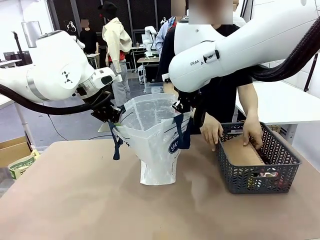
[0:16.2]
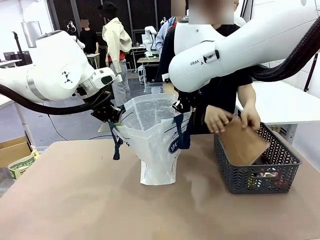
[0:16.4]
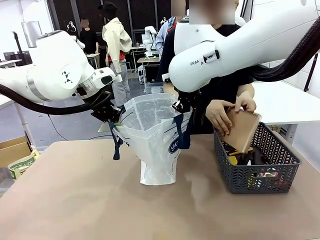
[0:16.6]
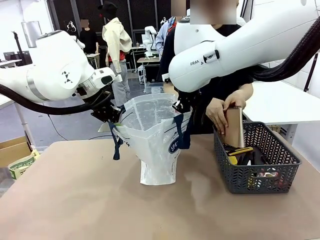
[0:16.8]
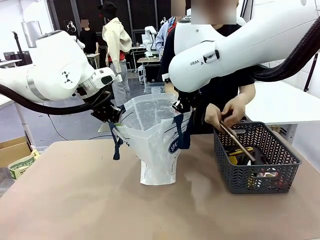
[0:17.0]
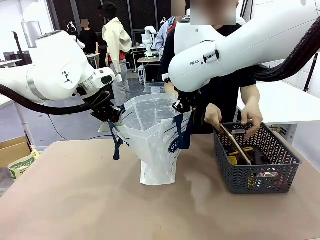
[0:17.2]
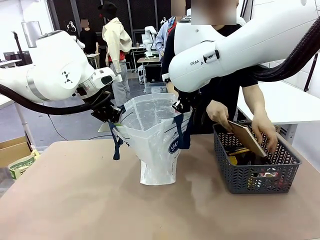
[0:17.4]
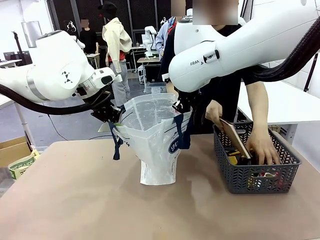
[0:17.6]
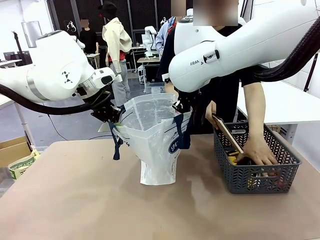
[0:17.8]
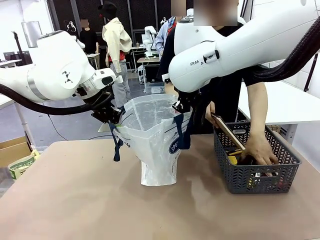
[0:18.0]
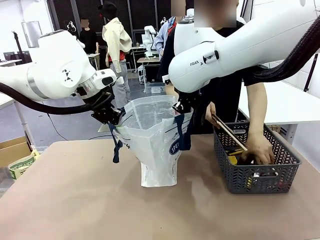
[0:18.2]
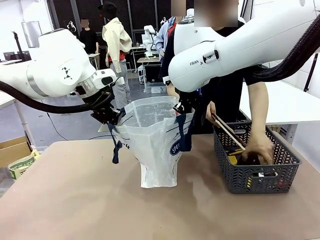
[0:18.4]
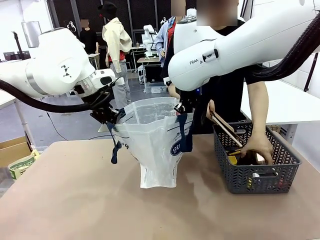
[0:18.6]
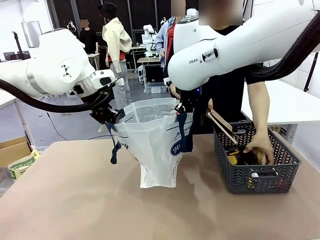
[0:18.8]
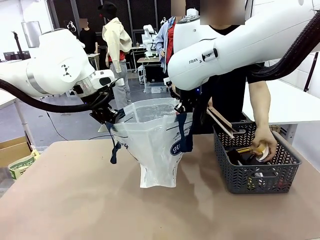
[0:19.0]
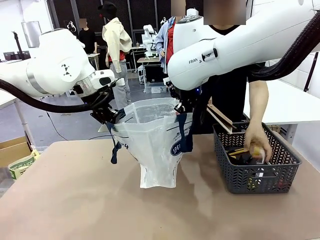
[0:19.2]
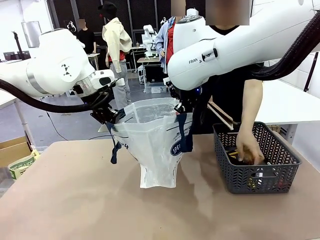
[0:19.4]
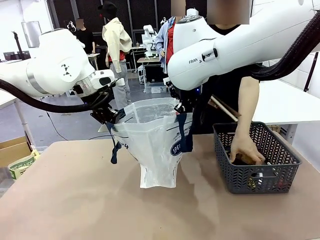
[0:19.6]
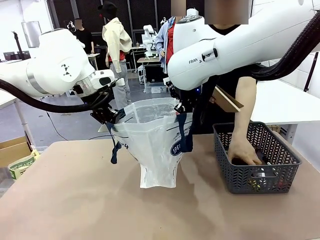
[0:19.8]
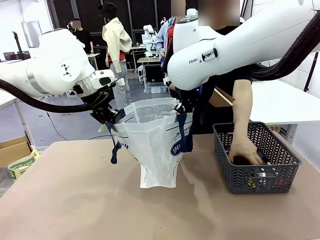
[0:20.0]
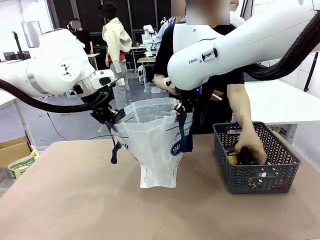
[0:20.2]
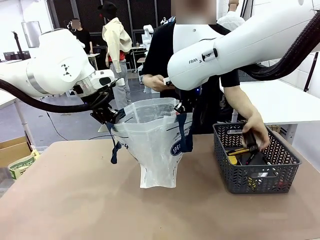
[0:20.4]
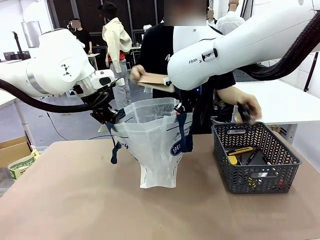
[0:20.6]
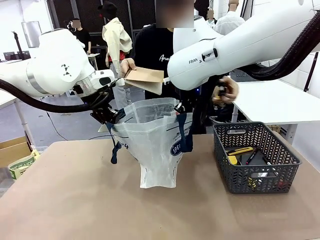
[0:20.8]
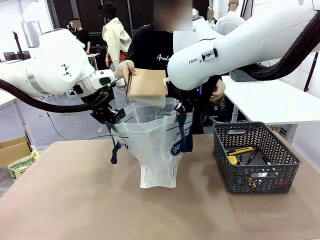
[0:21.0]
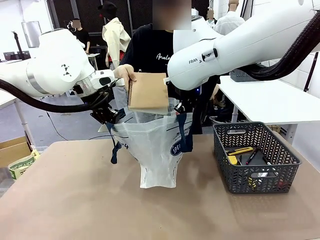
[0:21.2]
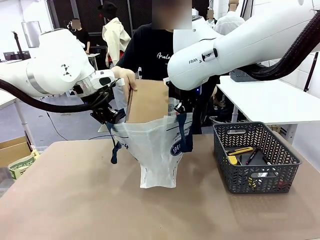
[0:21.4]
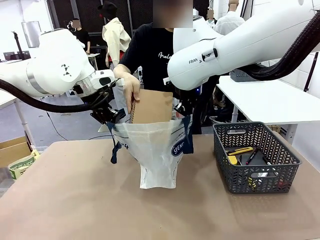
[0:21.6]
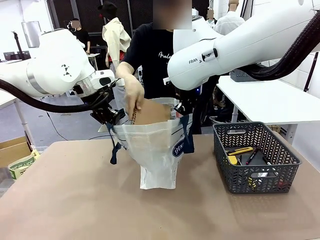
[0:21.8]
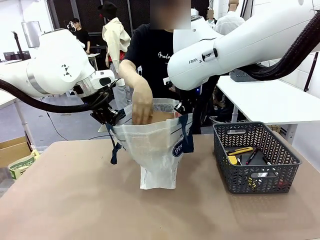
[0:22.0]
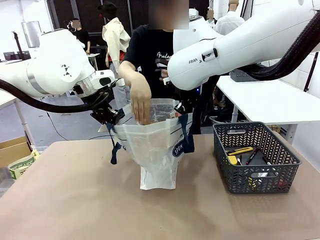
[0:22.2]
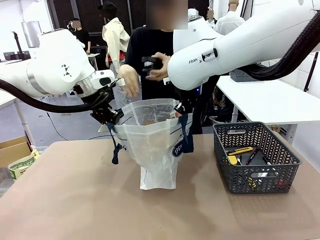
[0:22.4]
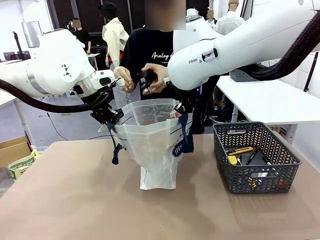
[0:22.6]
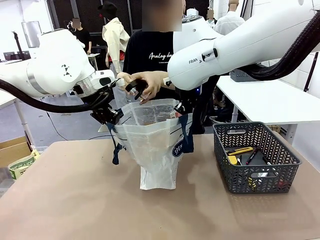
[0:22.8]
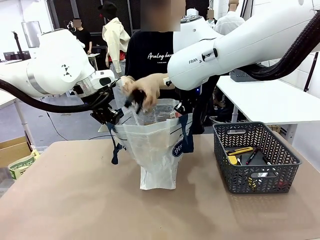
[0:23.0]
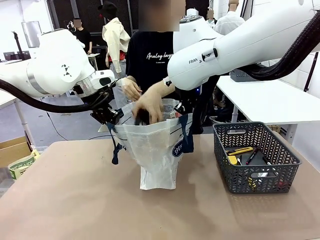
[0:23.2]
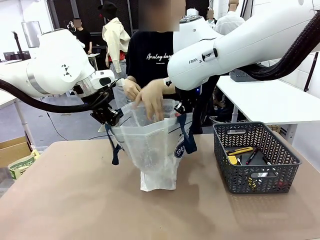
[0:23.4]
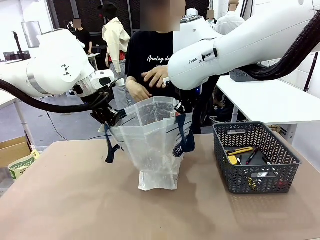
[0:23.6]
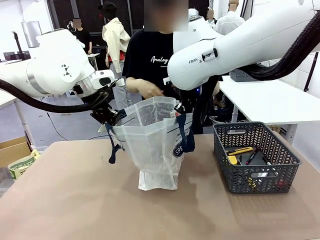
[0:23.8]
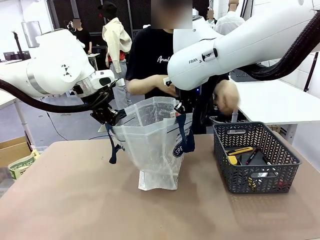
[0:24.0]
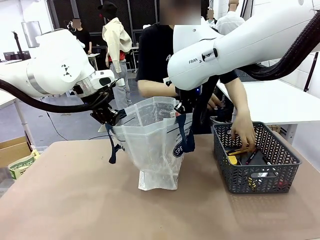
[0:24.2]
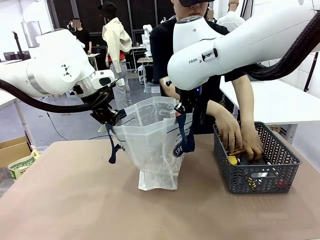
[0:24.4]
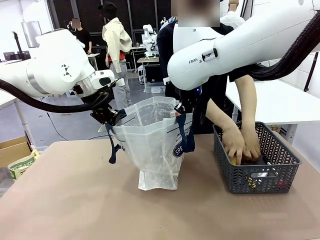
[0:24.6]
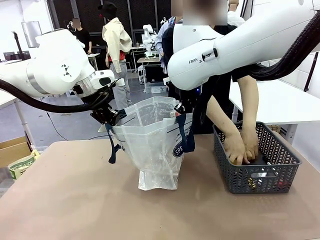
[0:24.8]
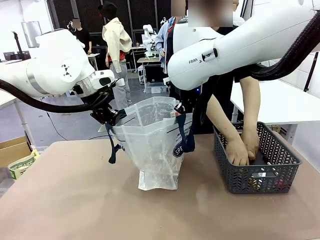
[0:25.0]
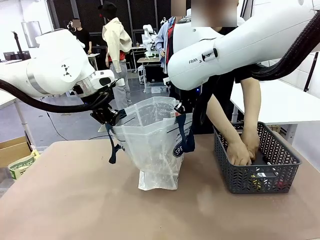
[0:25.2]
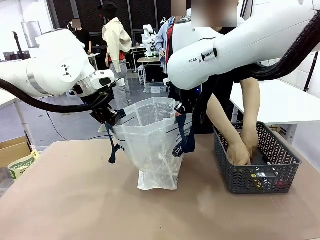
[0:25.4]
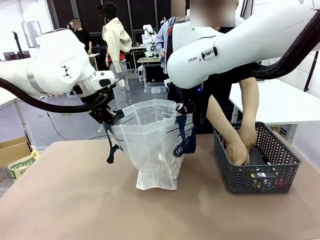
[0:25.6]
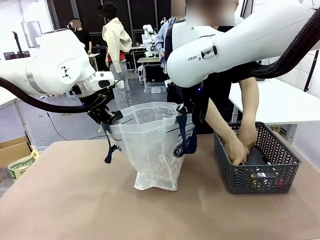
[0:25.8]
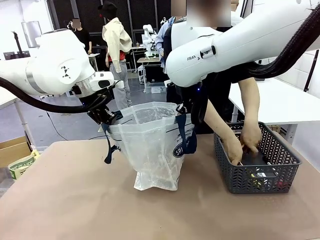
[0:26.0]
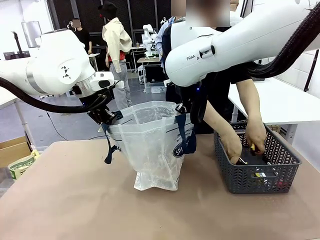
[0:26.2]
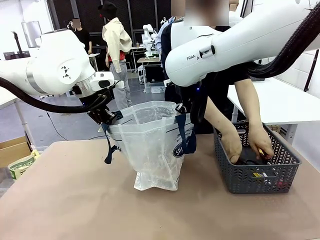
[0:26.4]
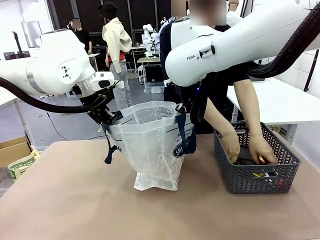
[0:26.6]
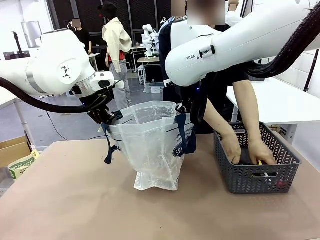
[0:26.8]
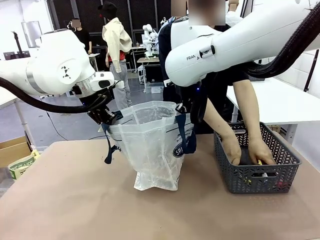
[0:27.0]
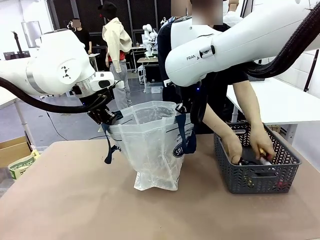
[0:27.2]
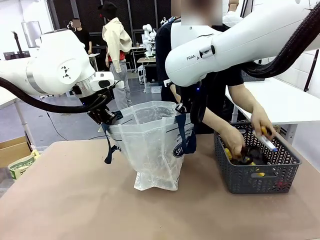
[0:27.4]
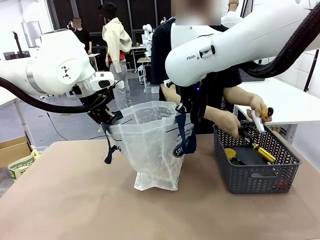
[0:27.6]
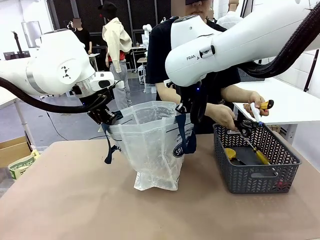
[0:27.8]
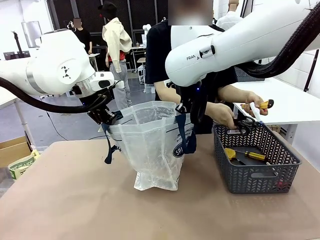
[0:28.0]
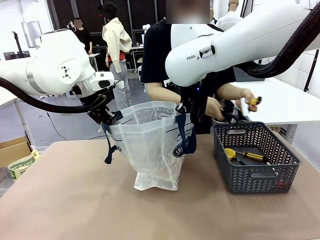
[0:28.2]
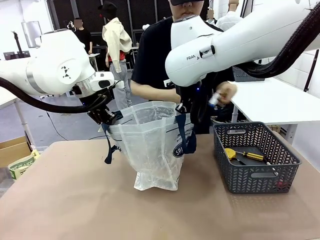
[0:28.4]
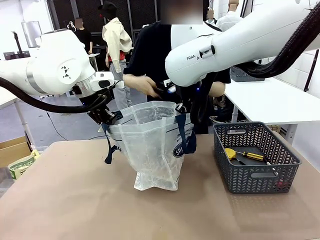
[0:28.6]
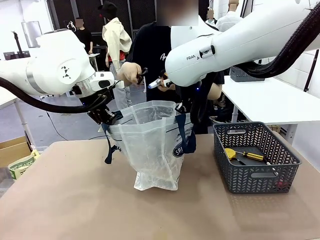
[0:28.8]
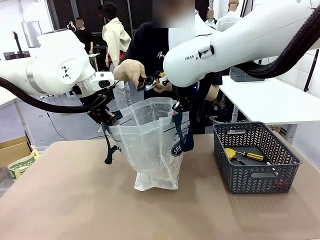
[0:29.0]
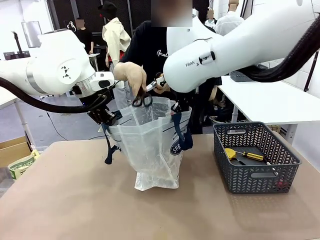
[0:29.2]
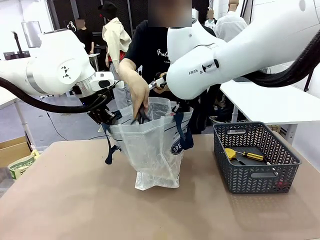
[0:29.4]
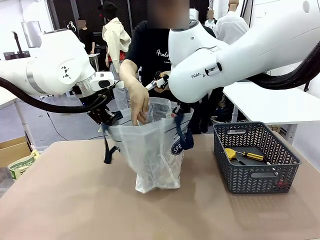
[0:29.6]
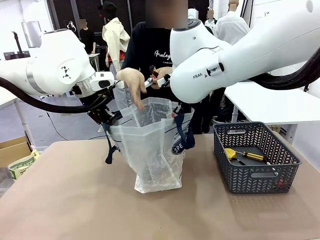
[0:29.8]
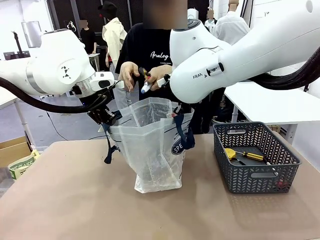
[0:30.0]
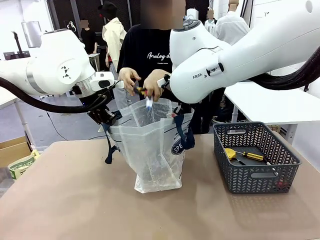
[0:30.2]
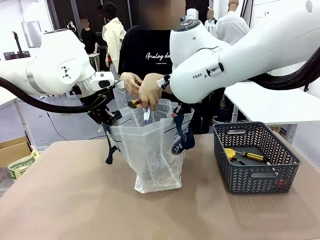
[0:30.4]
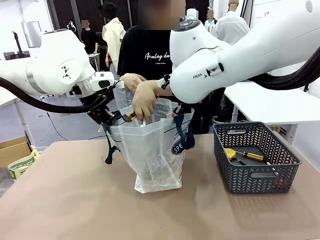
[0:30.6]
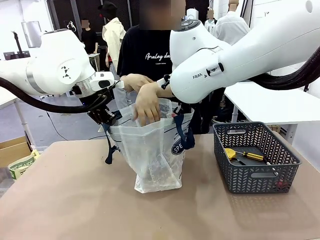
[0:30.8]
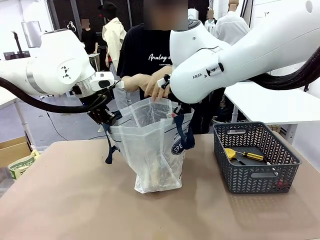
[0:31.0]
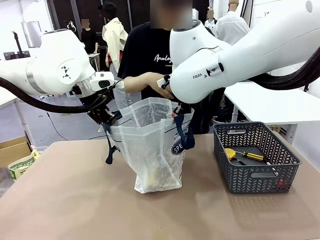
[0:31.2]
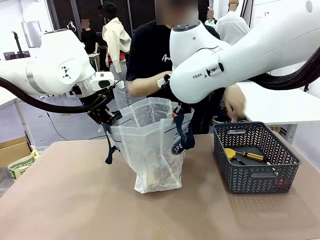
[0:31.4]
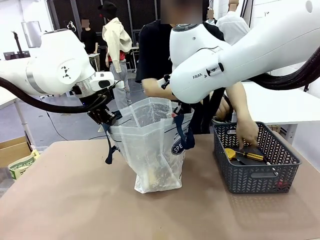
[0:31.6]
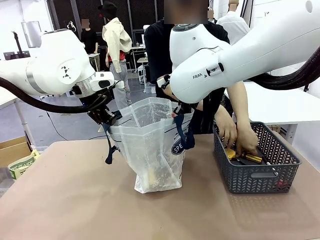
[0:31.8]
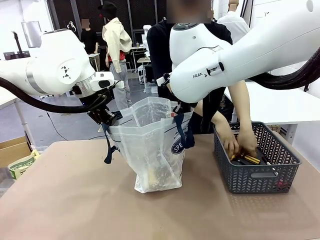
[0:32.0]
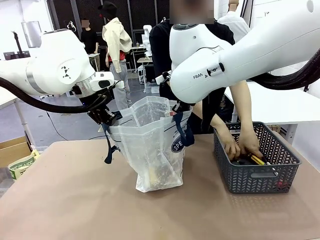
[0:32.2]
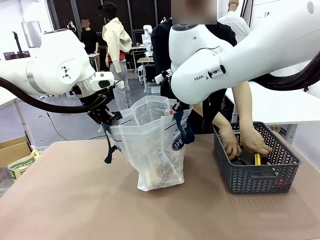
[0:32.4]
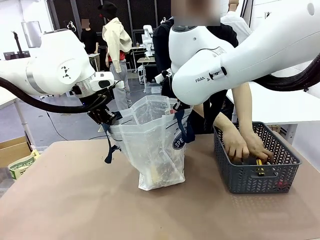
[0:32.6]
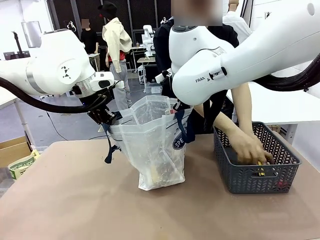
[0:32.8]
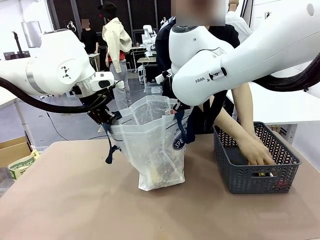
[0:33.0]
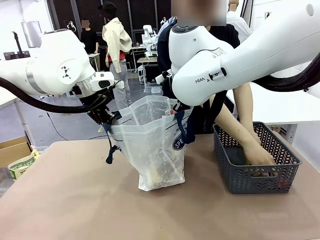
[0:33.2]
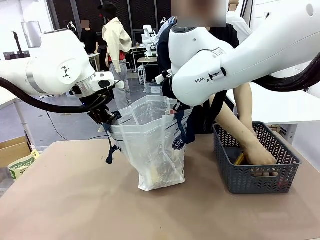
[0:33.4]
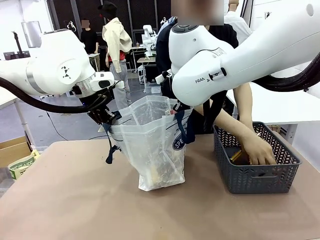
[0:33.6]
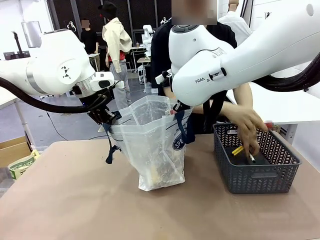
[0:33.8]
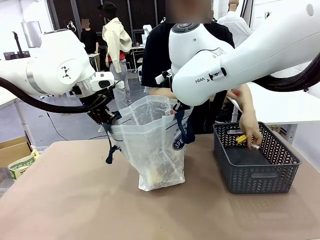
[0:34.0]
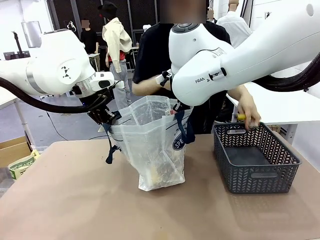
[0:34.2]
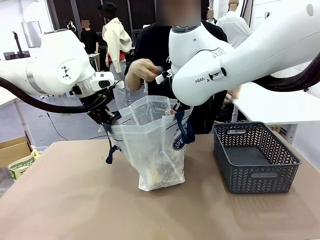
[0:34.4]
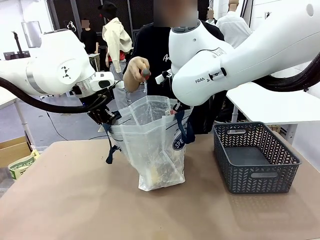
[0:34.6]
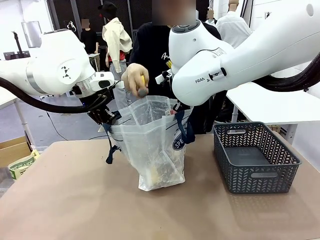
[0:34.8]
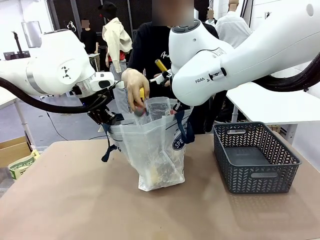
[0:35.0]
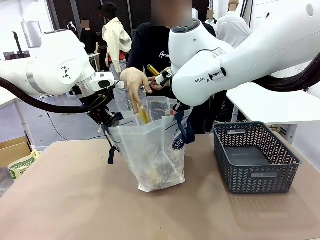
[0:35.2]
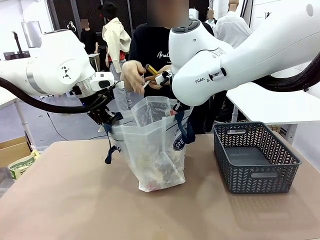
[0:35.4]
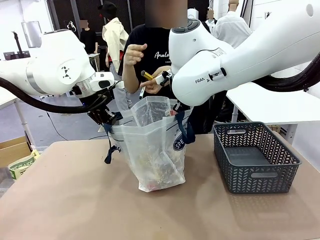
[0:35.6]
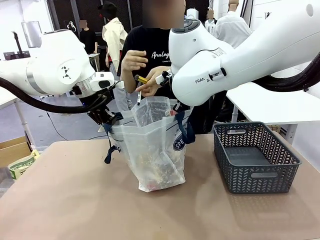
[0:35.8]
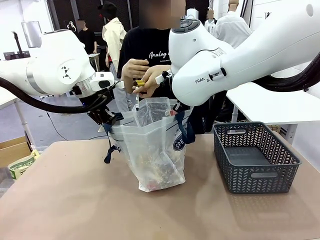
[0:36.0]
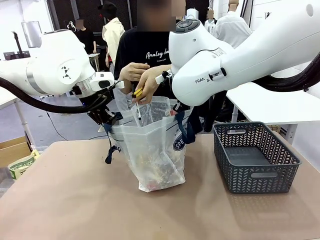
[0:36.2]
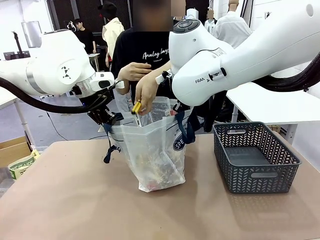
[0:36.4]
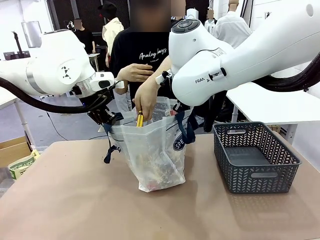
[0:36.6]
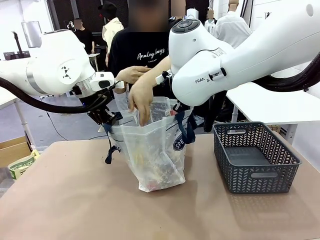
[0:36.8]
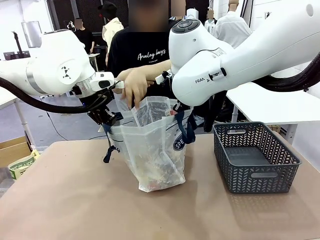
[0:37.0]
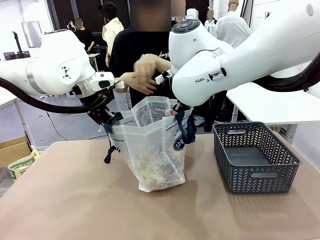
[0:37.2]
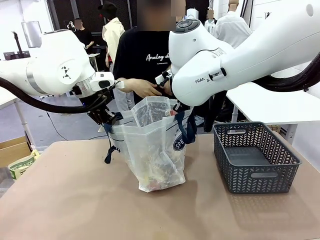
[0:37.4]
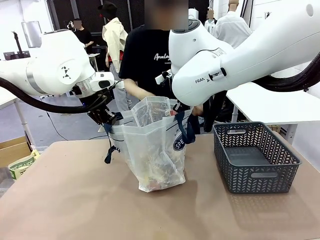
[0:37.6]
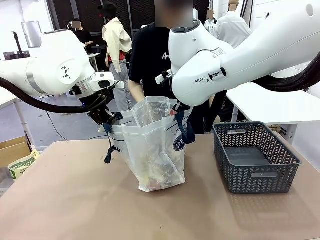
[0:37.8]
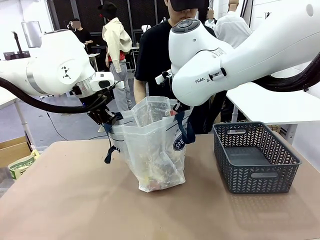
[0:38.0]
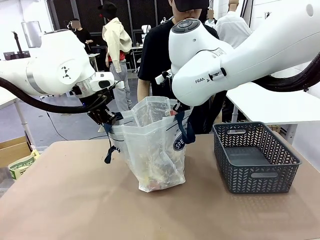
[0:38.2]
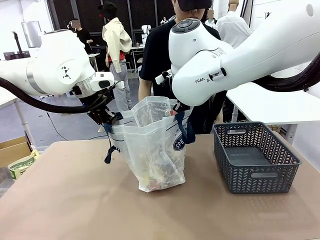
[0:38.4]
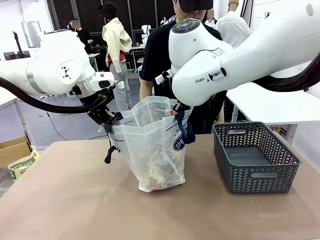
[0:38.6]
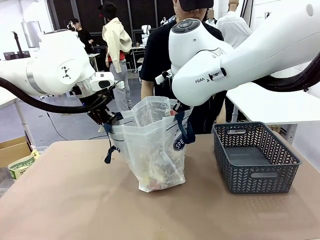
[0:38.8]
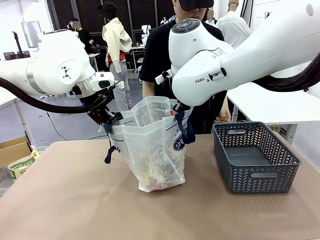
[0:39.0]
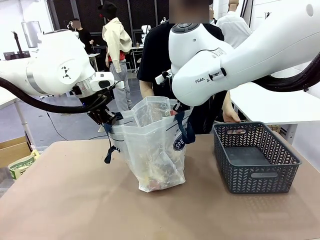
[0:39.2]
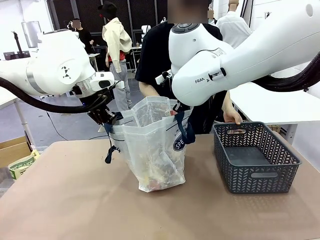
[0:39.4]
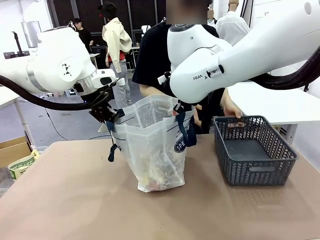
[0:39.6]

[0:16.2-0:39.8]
Task: Transfer purchased items from the store into the shopping bag.
Robot: Move the Reusable shopping bag to the right side of the table.
Person: Pick up the basket on the right, place it on the left side of the robot table, and move the items in the basket to the shopping bag.
